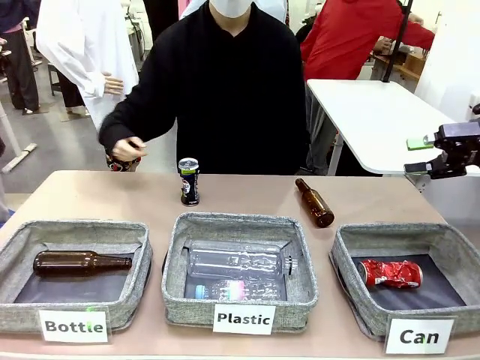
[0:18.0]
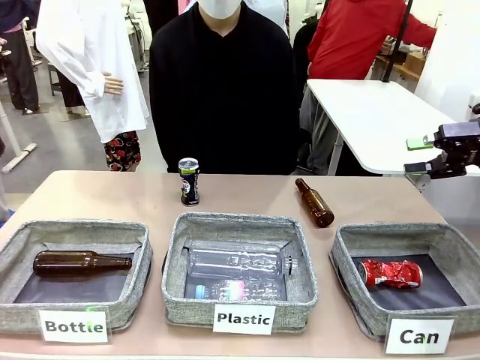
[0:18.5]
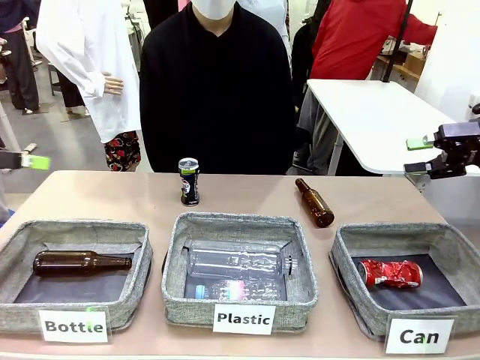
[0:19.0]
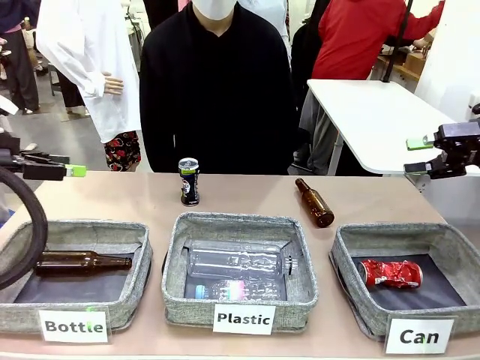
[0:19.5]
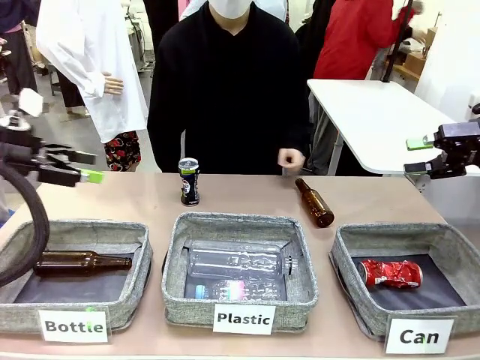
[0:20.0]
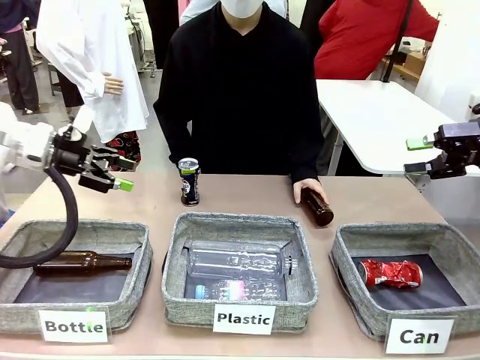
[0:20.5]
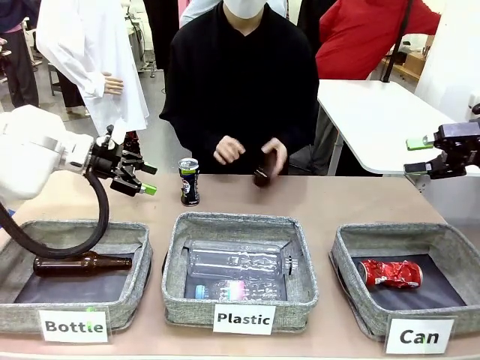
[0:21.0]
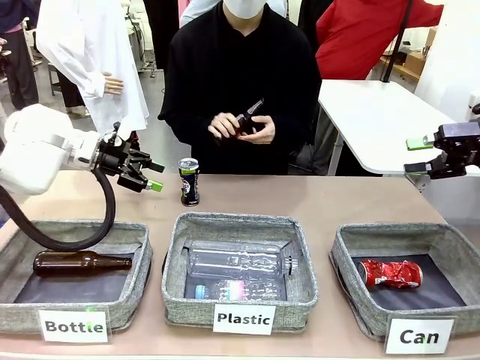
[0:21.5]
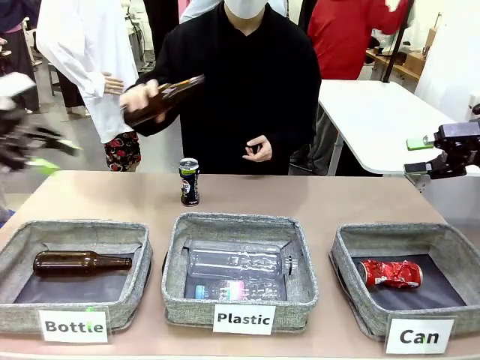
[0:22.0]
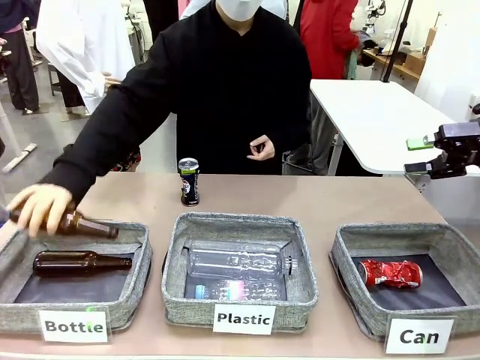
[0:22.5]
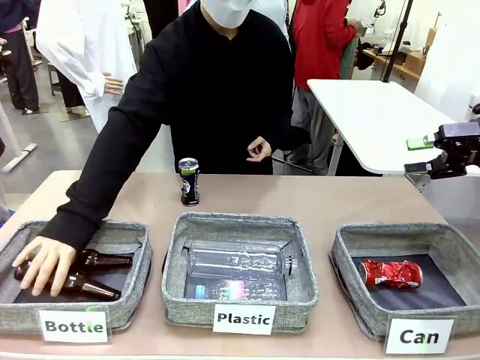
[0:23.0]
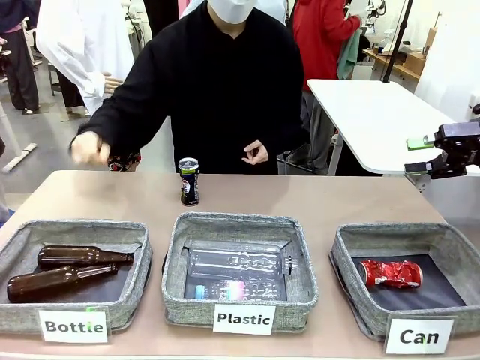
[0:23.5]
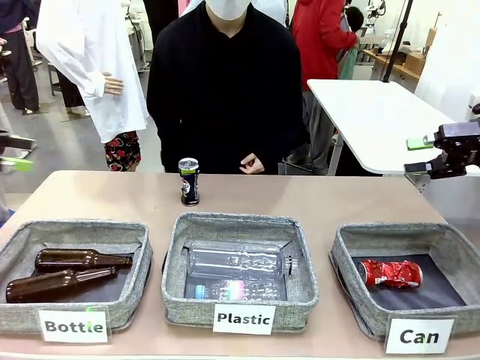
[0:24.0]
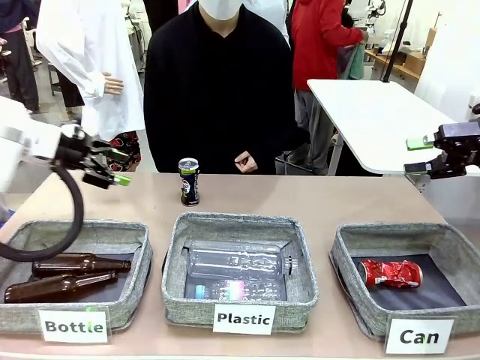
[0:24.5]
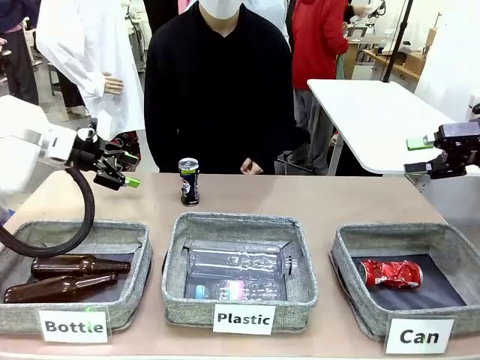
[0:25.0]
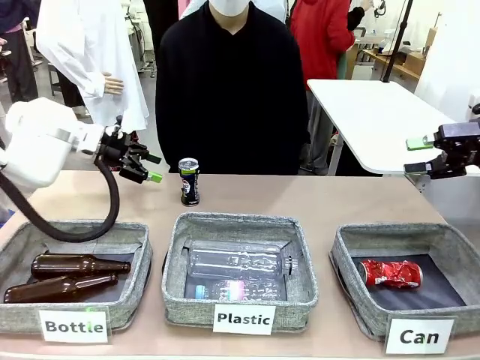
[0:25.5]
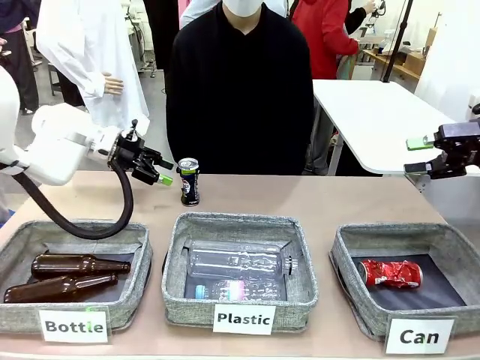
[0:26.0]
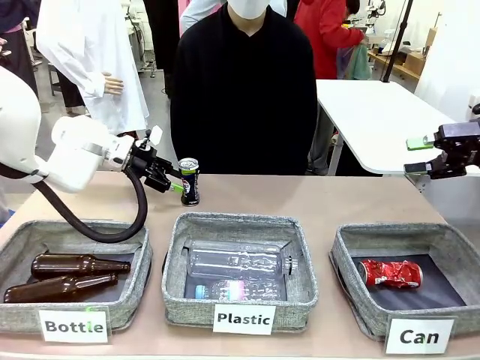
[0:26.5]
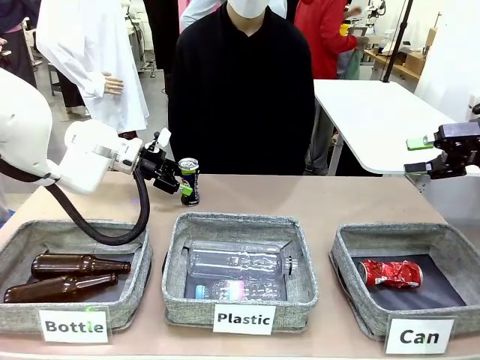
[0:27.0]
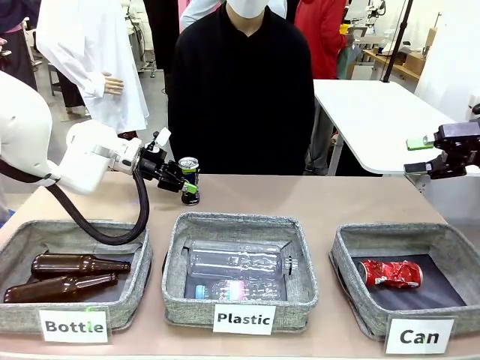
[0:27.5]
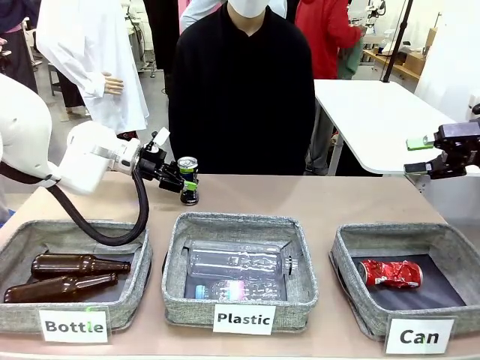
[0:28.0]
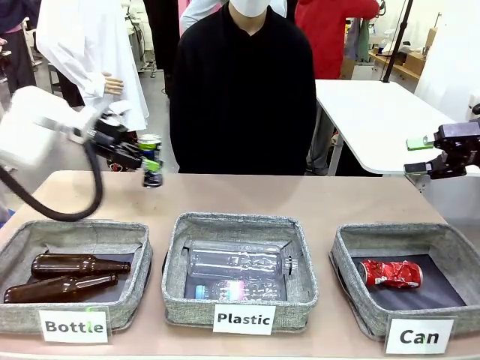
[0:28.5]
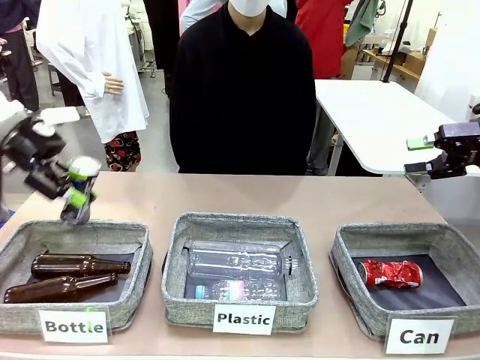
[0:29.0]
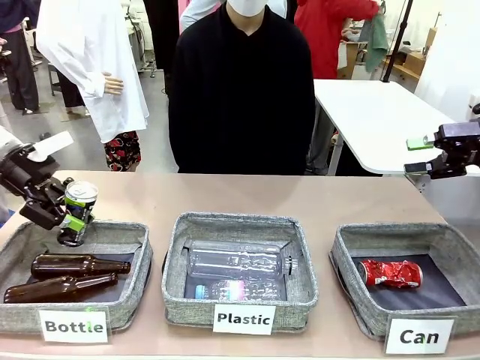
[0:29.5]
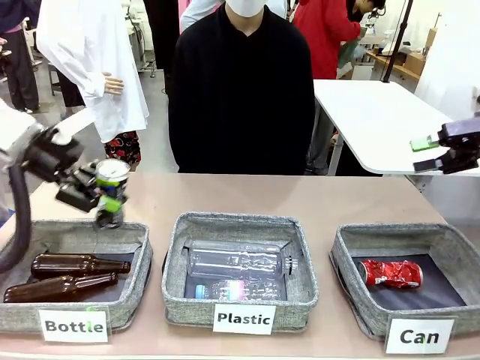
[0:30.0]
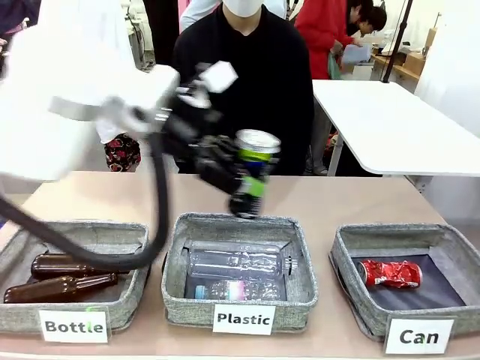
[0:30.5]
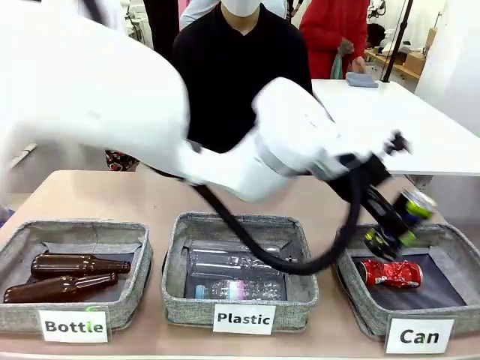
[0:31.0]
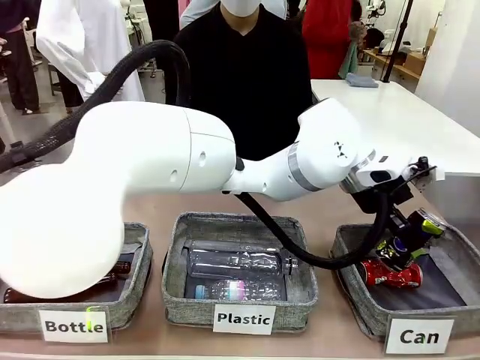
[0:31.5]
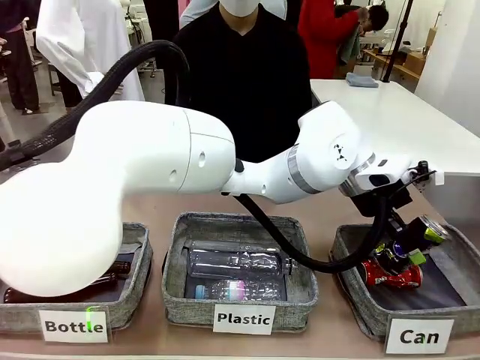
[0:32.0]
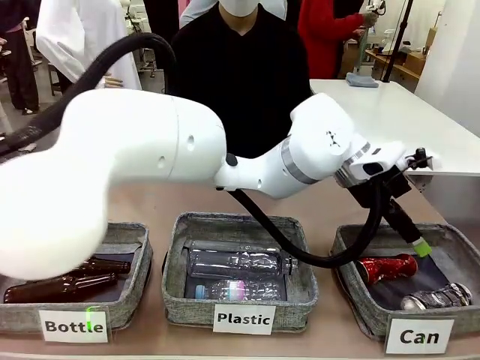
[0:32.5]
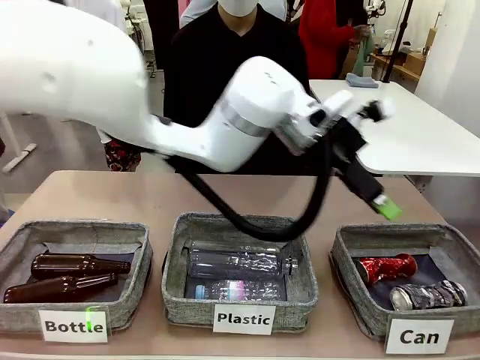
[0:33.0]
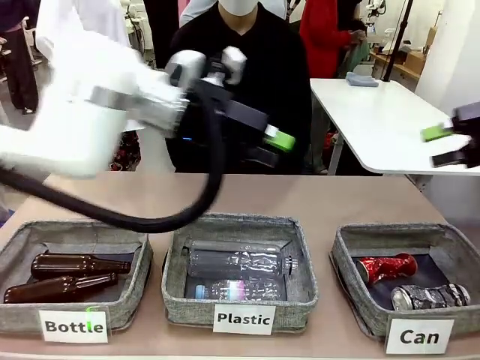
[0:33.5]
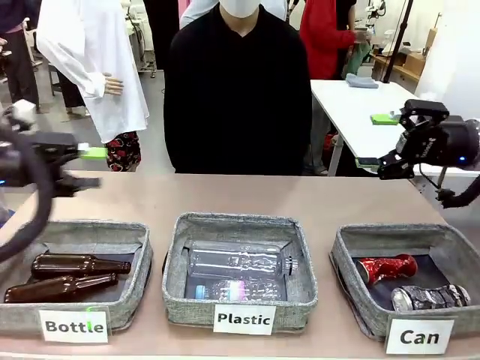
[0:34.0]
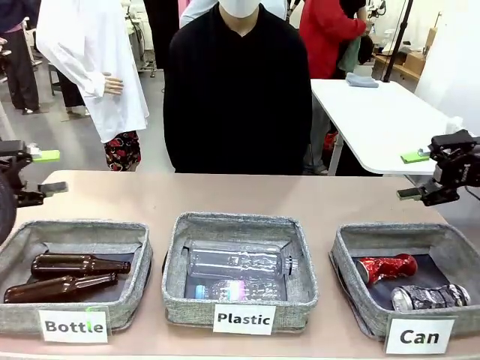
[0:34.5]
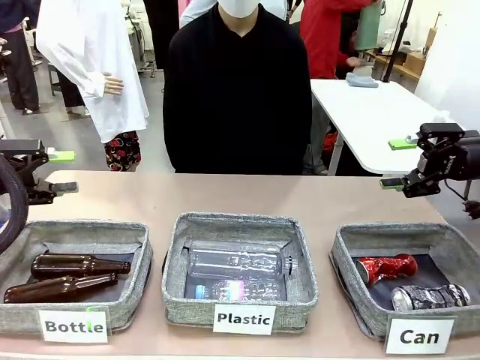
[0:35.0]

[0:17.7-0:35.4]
Task: Sort the can waste into the basket.
Robot: Pick up the can waste from the table and place it in the right Fabric basket.

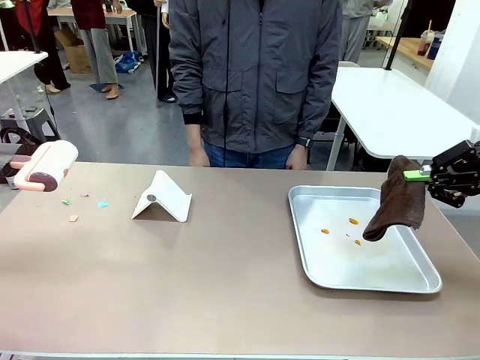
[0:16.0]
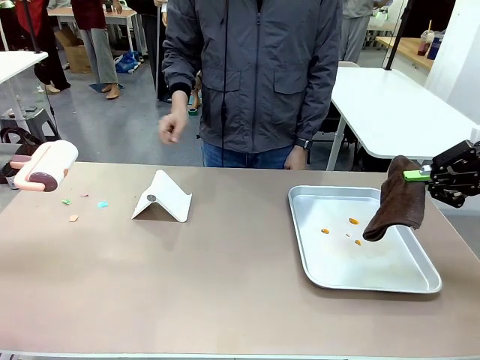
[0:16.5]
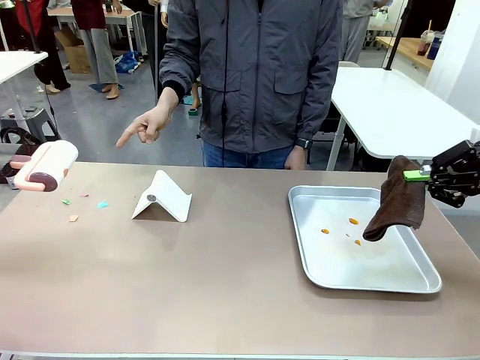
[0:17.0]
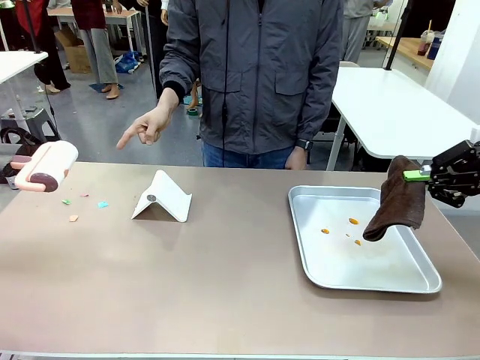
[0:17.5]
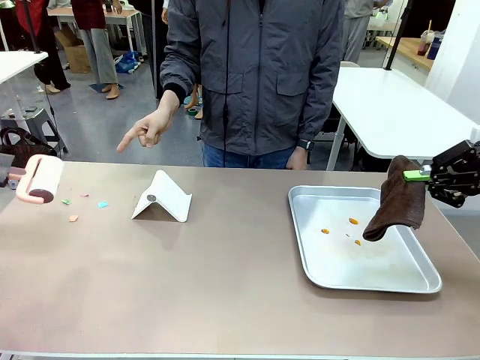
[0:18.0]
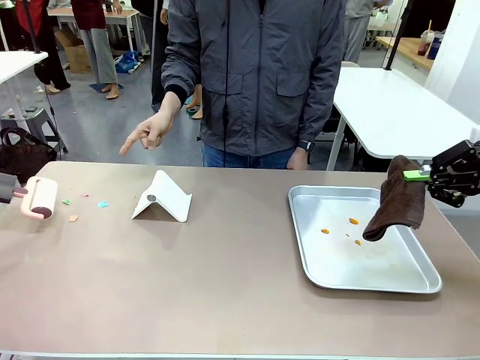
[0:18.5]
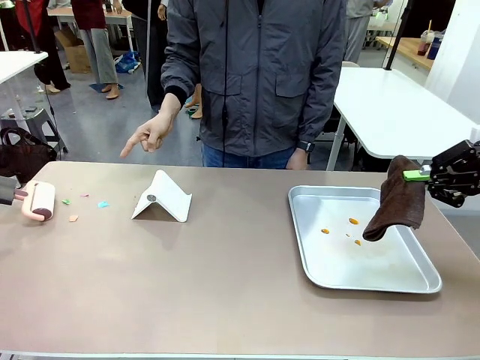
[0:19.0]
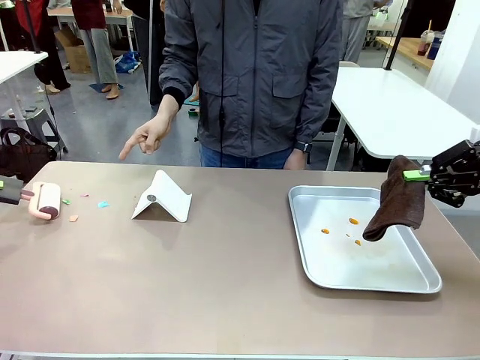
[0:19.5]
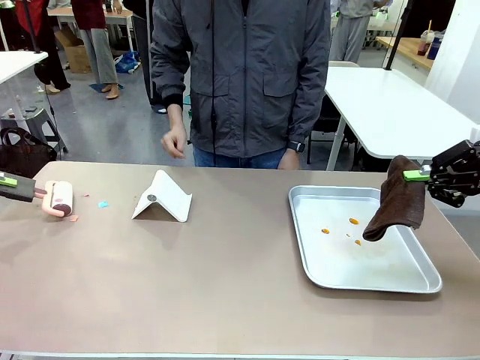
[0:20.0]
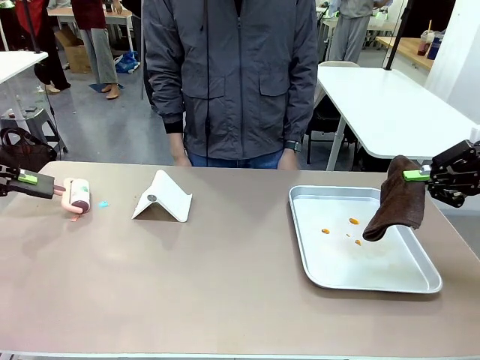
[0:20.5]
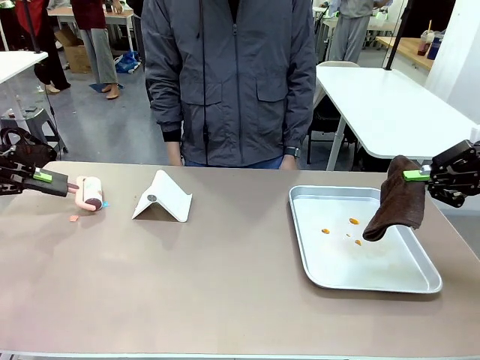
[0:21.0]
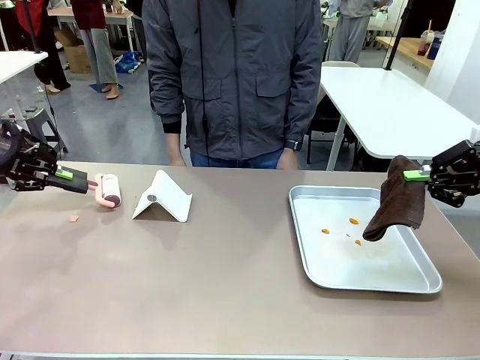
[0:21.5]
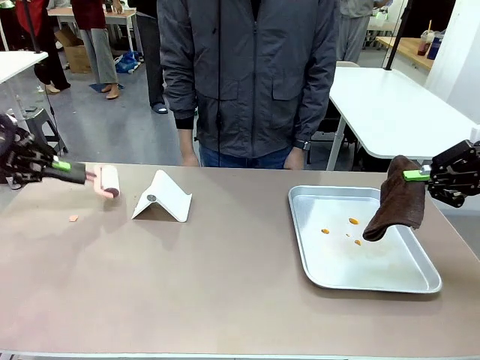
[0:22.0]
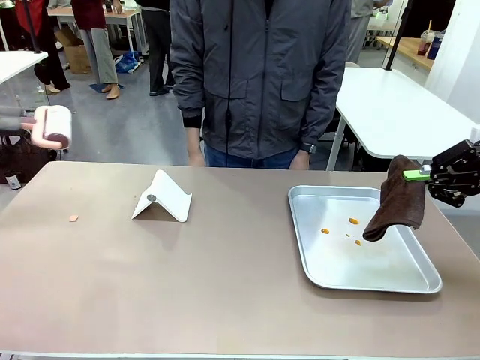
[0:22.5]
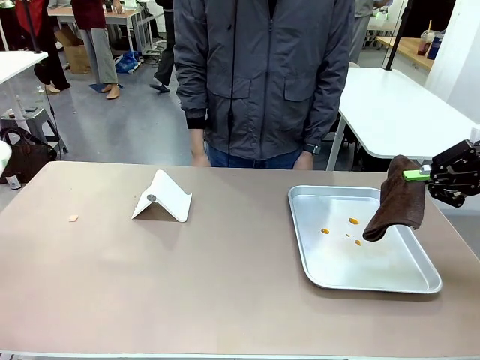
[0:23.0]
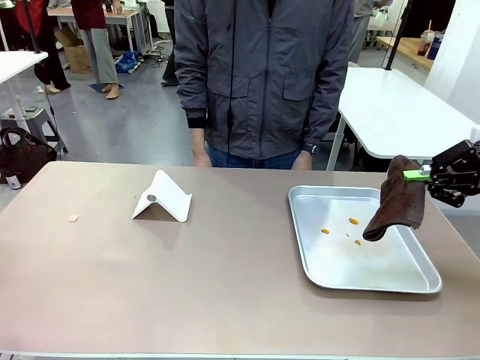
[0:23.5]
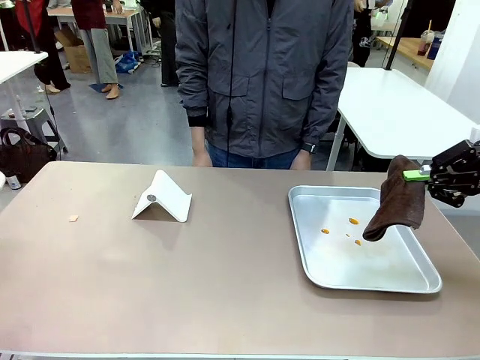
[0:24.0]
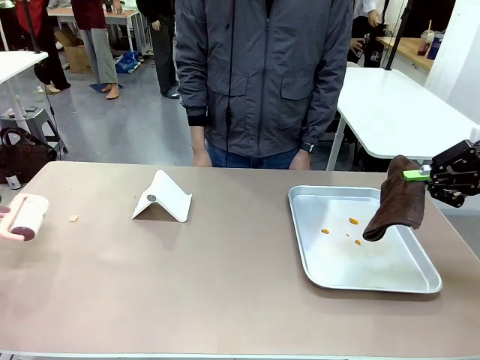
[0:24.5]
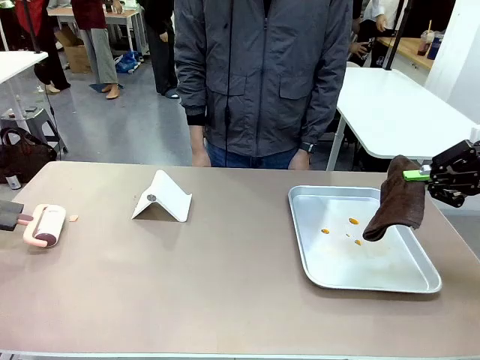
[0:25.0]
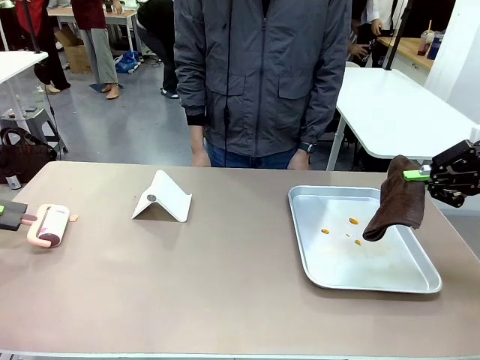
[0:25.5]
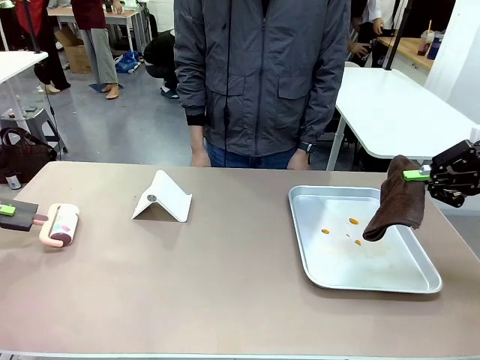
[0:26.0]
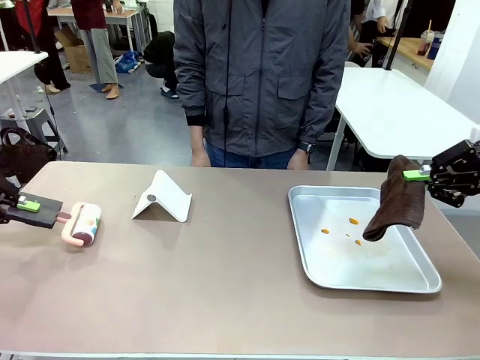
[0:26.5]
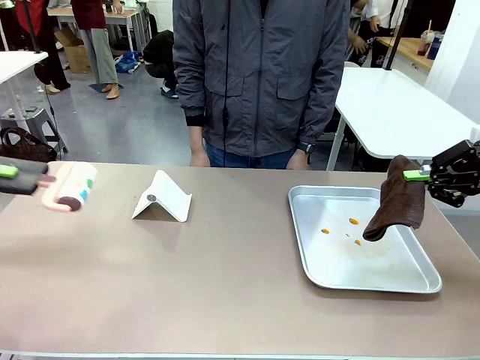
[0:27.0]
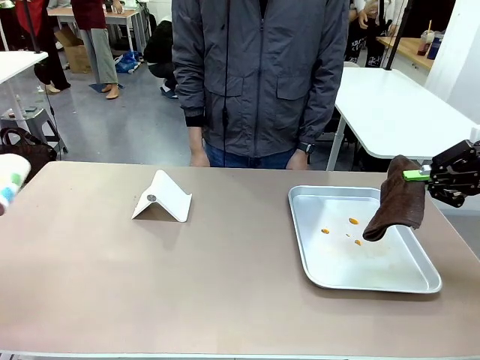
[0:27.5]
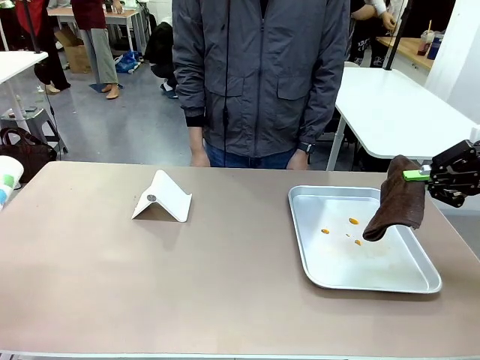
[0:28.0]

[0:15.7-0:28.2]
Task: Clean the surface of the table.
Robot: If a person points to the right, clean the right side of the table with your right hand, and if they point to the left, clean the left side with your left hand.
